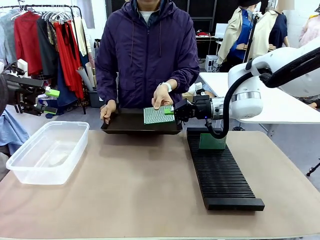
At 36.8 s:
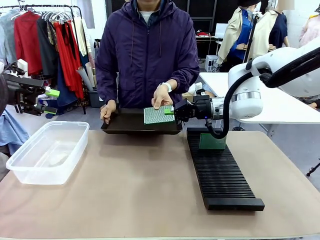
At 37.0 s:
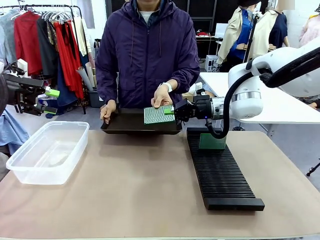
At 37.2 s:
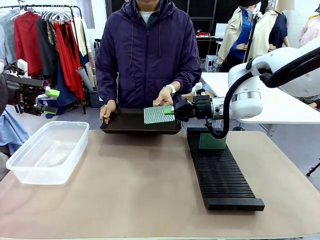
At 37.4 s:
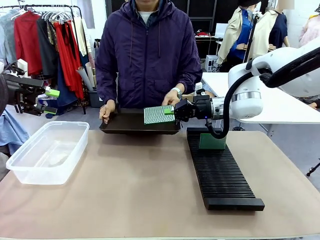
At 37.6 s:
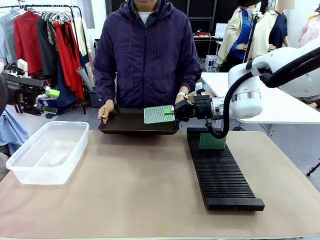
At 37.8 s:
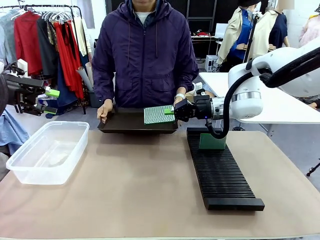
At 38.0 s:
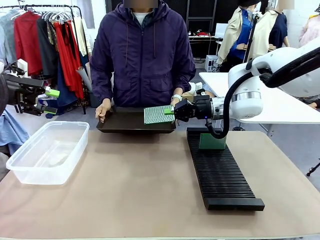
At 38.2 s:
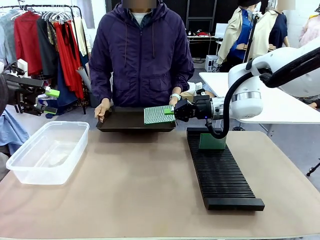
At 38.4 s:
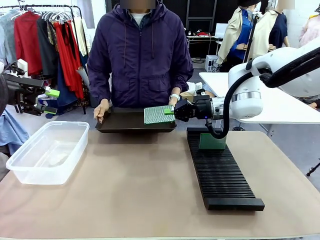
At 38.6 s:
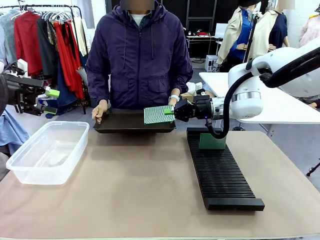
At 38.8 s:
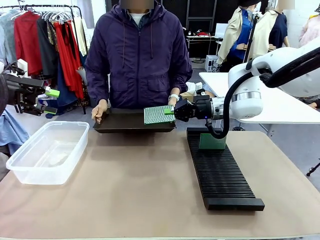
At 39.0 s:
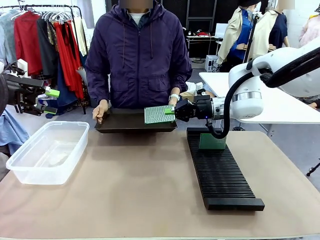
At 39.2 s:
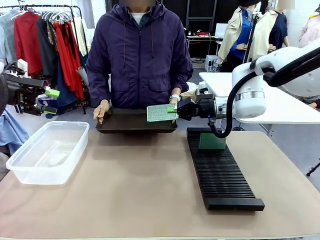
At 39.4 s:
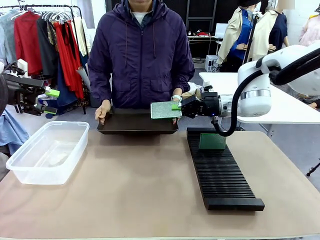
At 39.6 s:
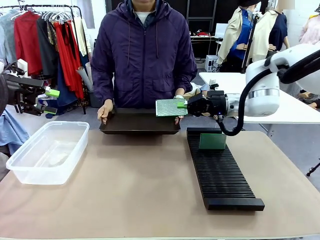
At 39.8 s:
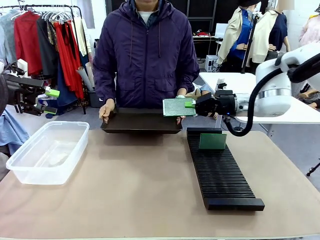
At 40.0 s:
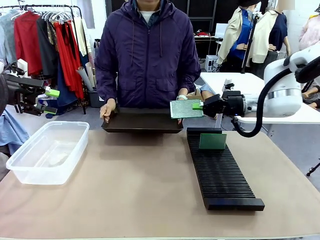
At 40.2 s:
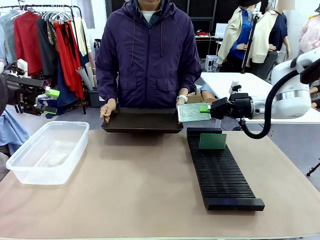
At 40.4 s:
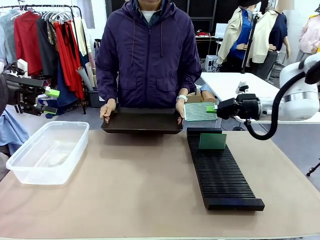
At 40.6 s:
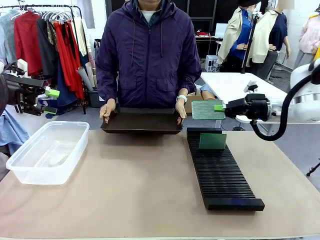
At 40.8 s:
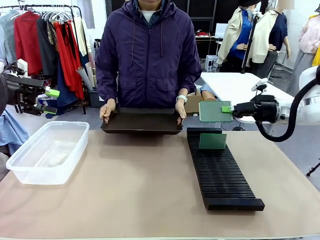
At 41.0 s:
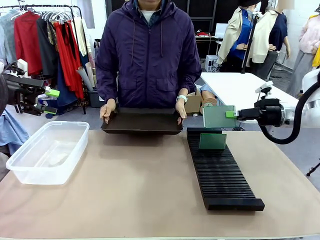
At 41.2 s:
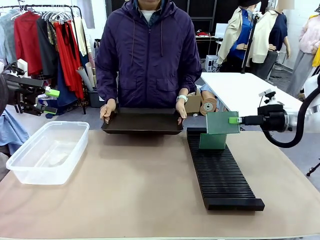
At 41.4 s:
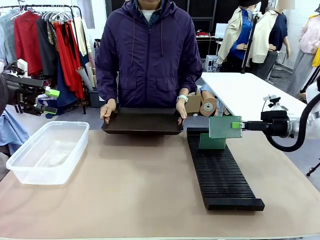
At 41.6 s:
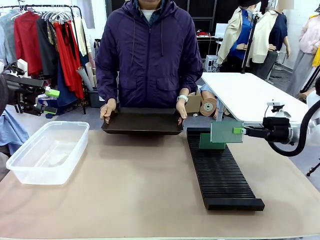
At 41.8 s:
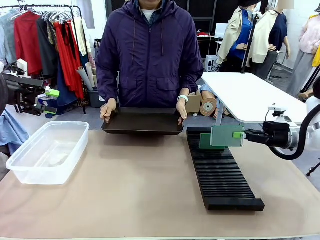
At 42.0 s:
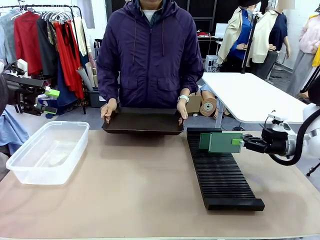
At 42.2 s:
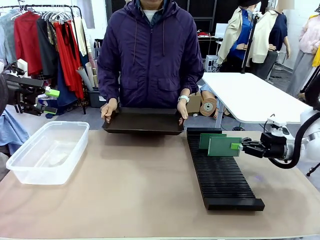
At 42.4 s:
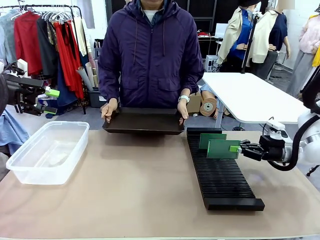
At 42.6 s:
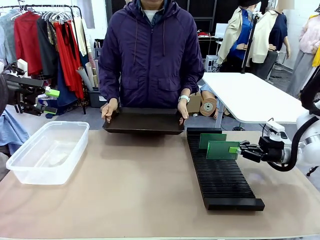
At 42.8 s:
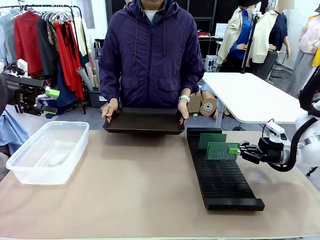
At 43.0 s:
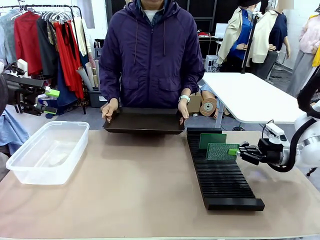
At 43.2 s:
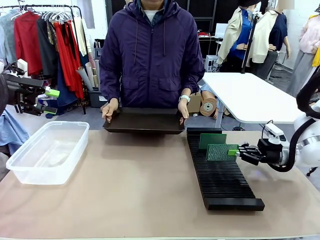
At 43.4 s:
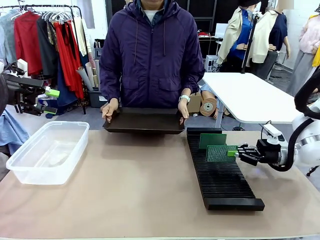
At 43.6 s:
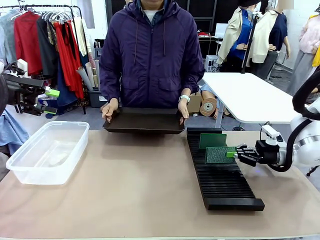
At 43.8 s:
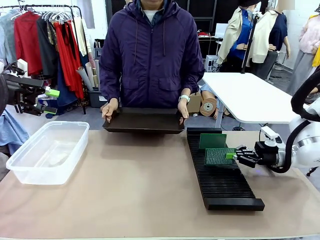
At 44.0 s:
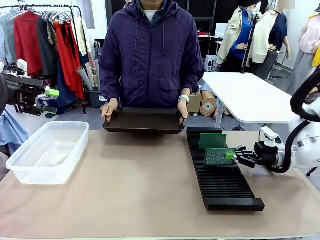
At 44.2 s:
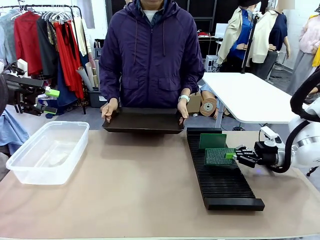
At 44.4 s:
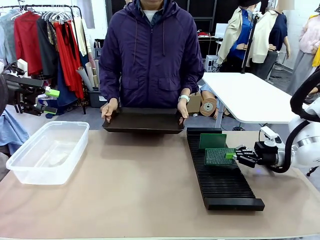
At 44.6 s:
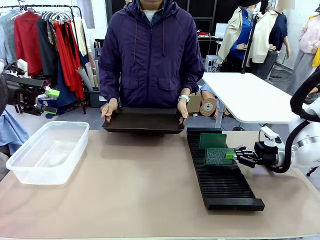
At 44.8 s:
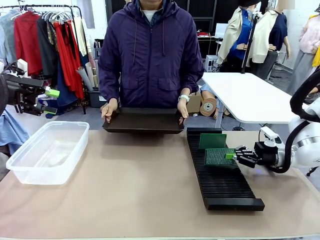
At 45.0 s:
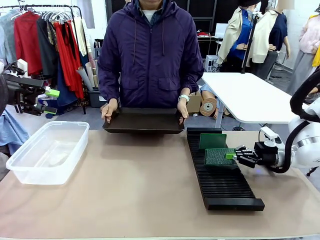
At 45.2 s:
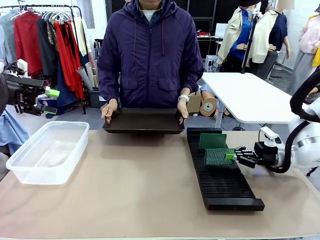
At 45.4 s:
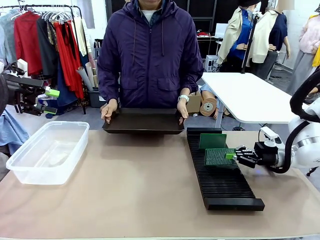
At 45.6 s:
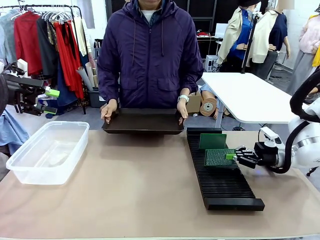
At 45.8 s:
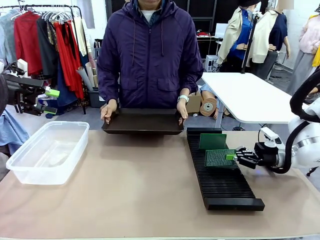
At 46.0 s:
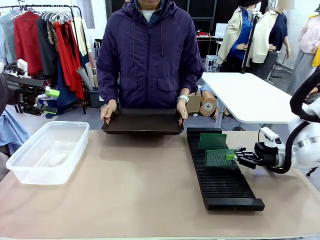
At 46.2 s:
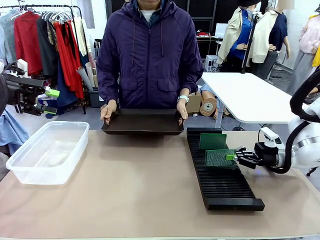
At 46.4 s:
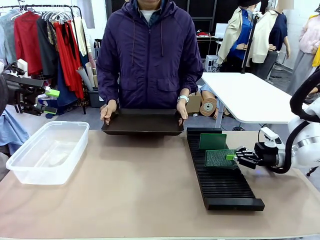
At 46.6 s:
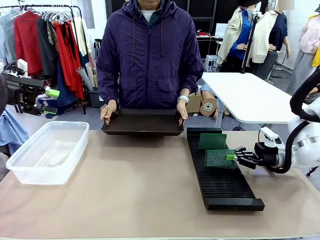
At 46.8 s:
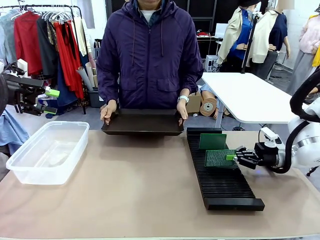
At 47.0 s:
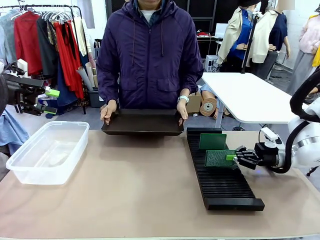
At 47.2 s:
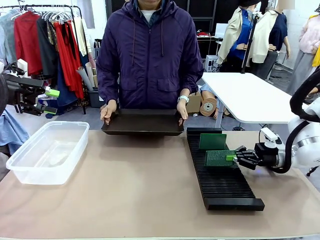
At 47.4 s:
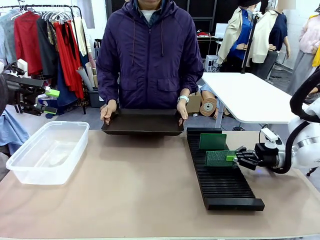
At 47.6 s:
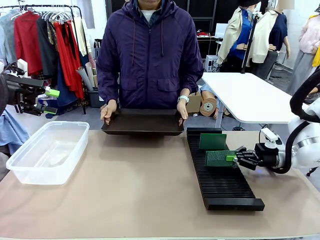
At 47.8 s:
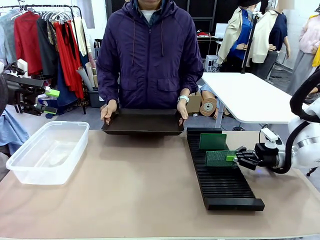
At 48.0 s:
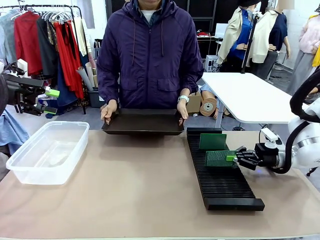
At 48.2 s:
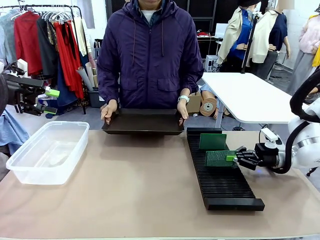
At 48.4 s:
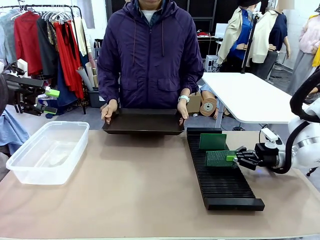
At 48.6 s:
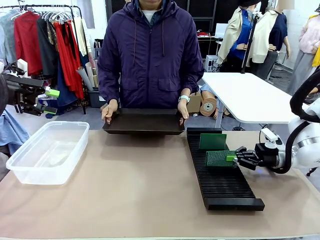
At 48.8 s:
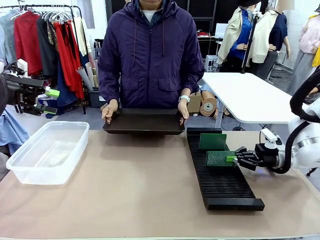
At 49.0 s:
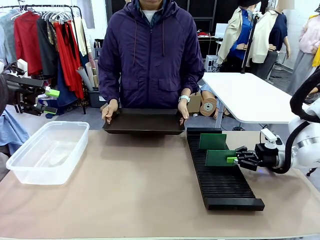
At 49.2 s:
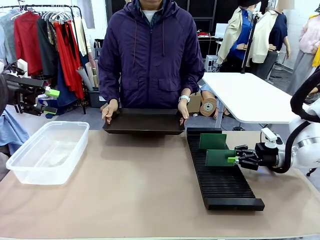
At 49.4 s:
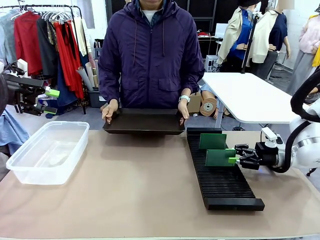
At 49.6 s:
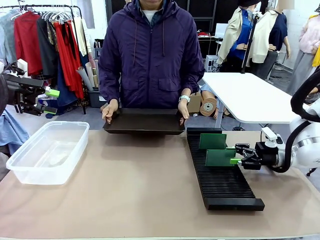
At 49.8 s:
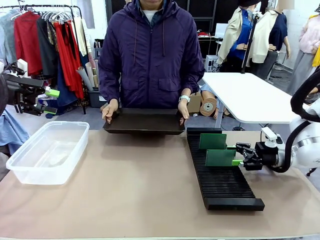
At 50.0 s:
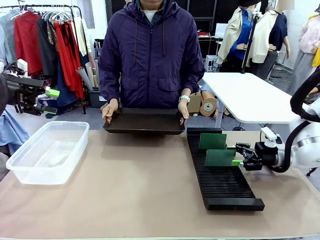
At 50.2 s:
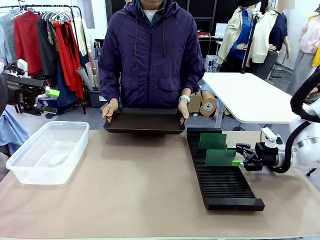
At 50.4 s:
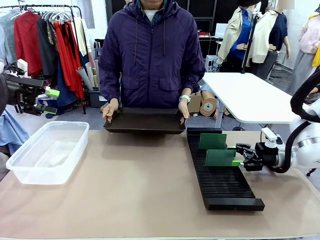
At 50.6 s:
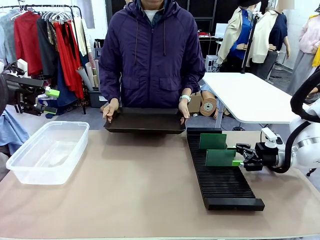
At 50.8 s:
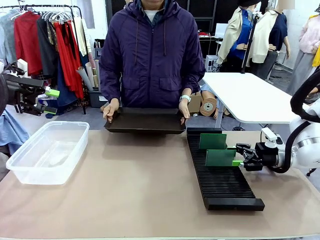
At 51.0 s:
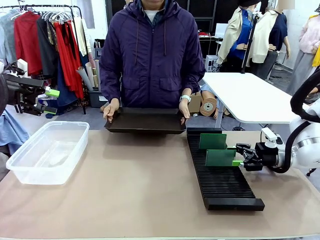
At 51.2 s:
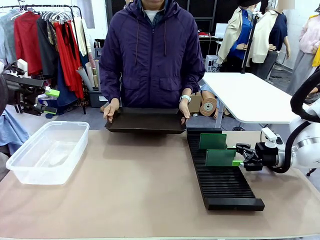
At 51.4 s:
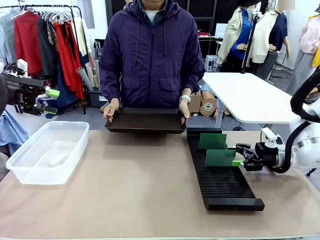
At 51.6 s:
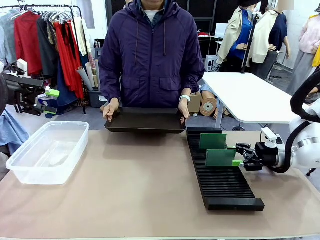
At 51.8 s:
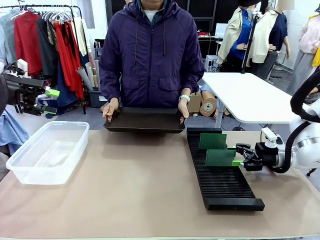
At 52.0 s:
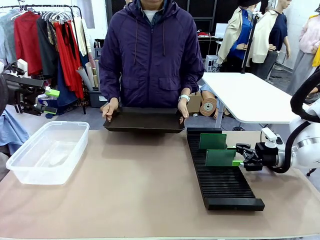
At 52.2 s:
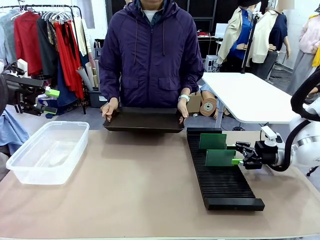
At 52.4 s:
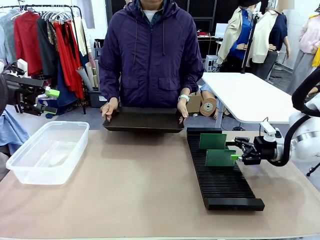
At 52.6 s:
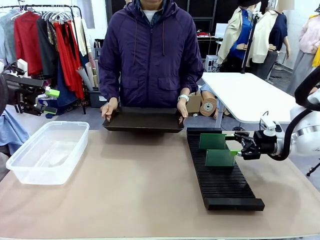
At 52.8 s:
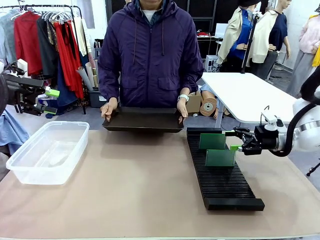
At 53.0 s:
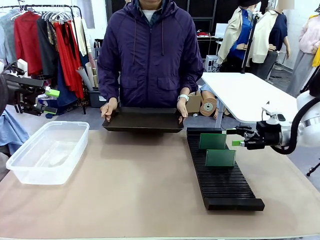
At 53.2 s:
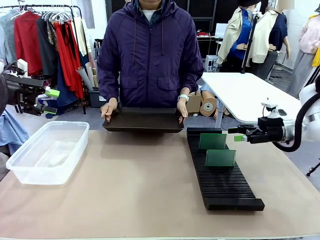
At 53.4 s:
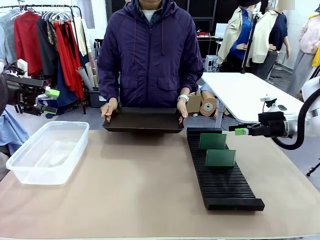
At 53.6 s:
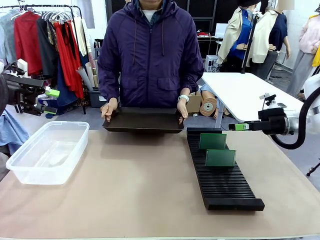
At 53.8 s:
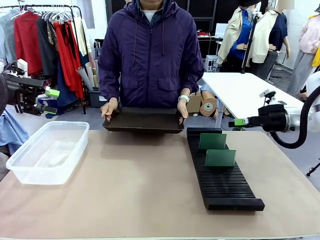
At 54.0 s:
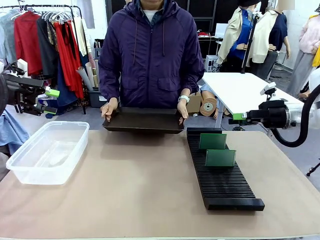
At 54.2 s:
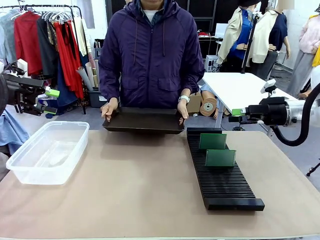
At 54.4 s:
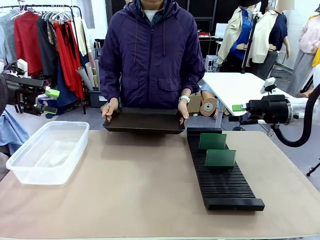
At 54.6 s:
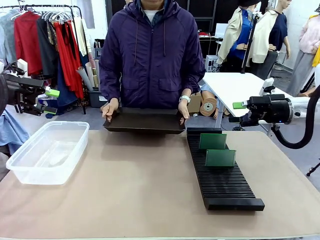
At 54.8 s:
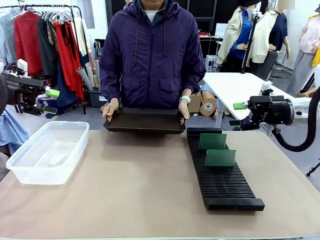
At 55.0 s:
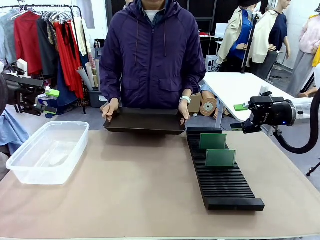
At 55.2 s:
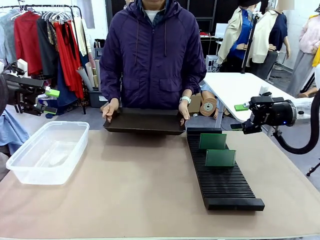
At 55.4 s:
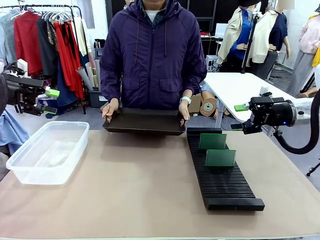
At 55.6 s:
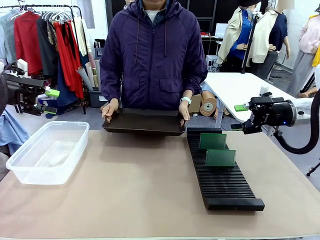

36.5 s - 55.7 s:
Task: Sort PCBs into racks and boxes based on the side picked up.
Robot: If the short side of the Blank PCB is picked up, insert it into the PCB Rack ; if the long side is picked up, place it in the Organizing box.
Person: Release the PCB being held.
